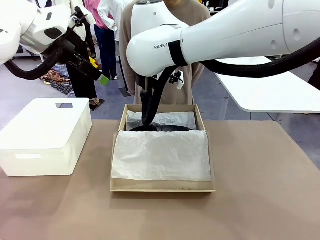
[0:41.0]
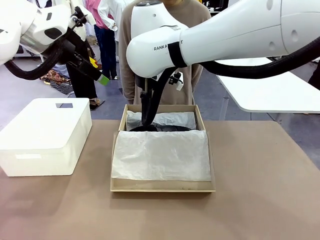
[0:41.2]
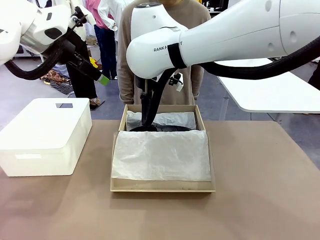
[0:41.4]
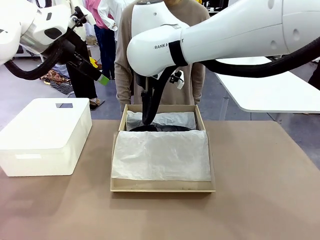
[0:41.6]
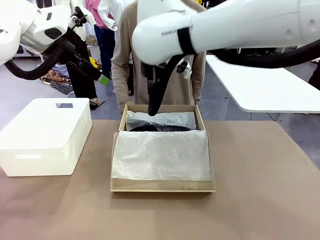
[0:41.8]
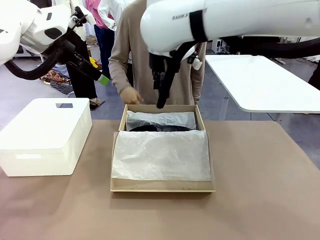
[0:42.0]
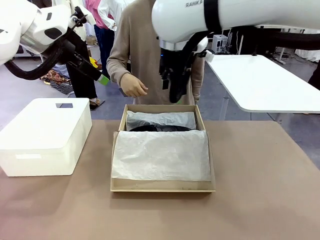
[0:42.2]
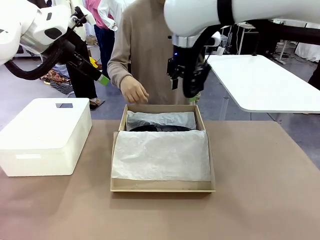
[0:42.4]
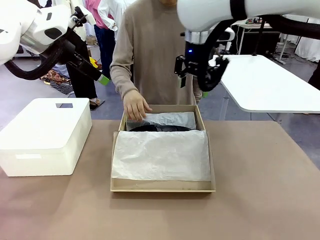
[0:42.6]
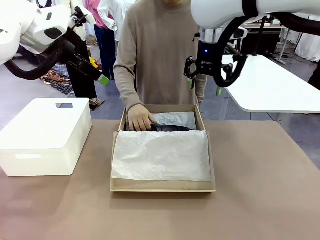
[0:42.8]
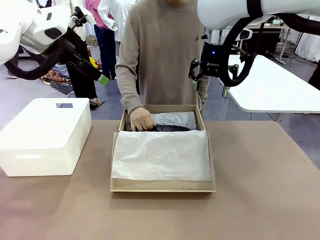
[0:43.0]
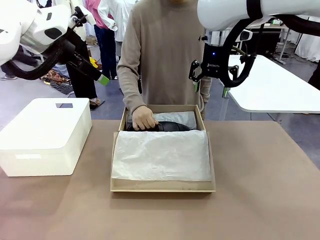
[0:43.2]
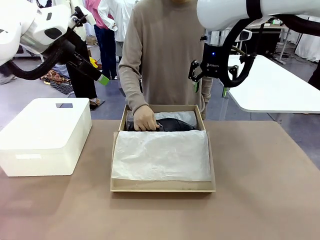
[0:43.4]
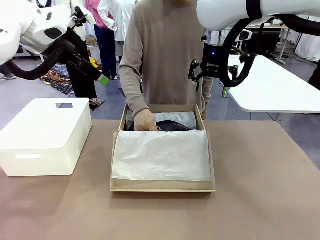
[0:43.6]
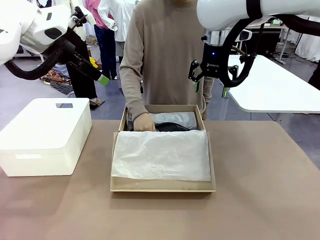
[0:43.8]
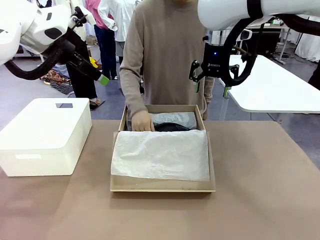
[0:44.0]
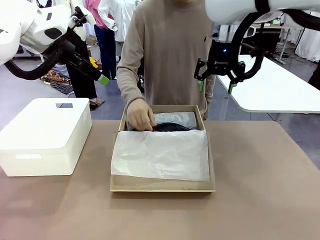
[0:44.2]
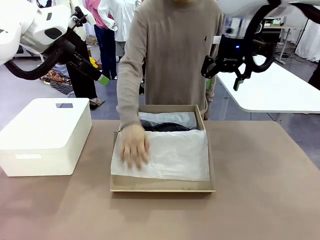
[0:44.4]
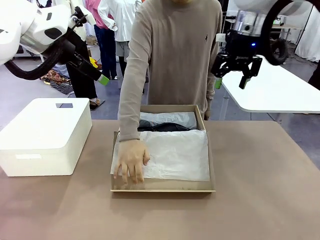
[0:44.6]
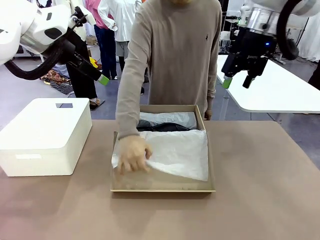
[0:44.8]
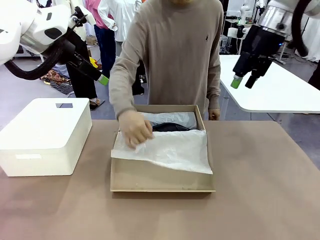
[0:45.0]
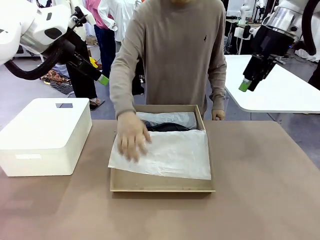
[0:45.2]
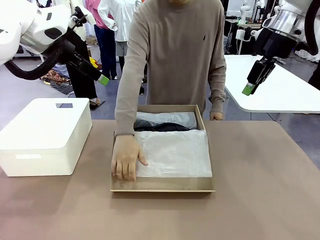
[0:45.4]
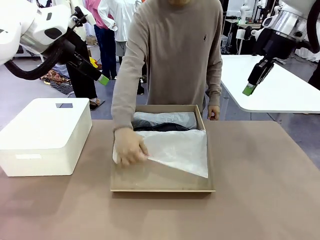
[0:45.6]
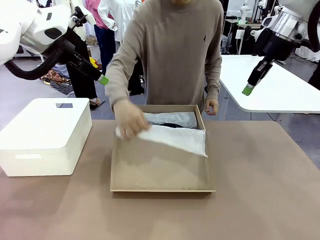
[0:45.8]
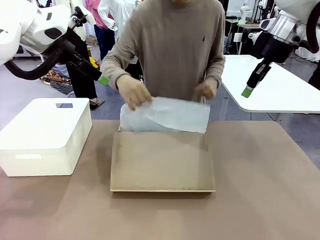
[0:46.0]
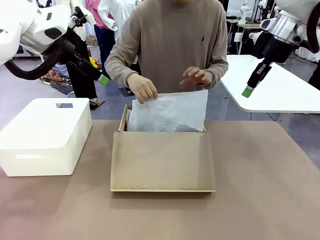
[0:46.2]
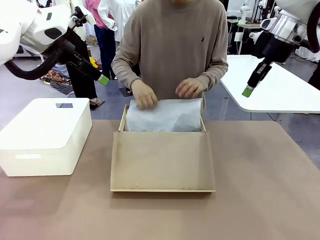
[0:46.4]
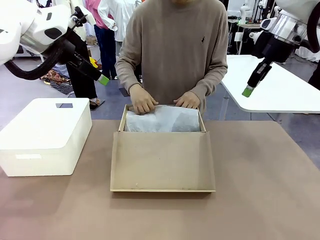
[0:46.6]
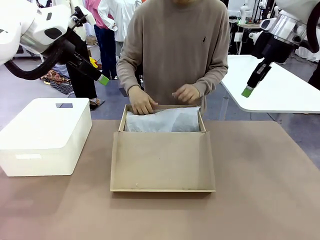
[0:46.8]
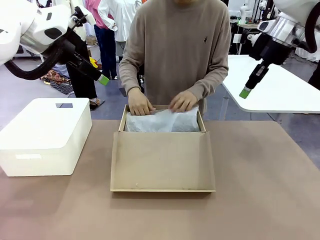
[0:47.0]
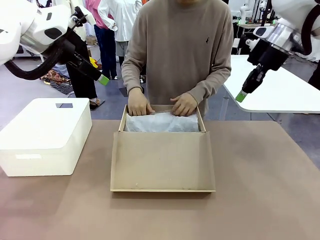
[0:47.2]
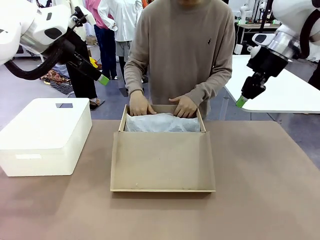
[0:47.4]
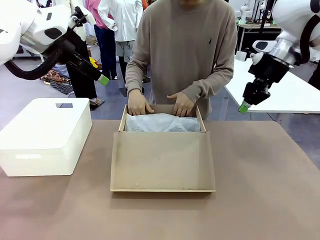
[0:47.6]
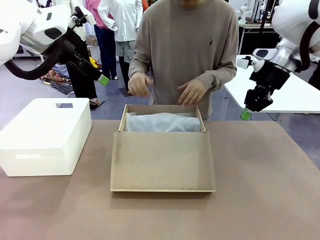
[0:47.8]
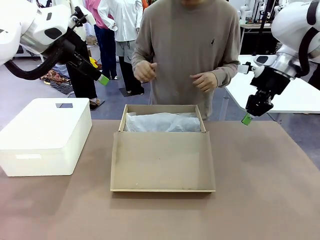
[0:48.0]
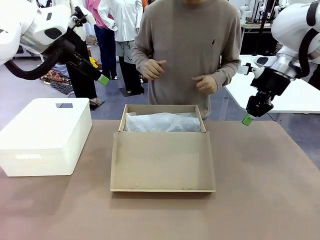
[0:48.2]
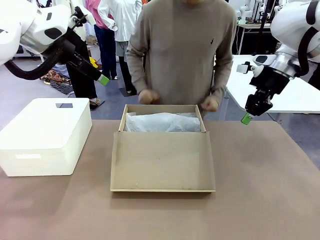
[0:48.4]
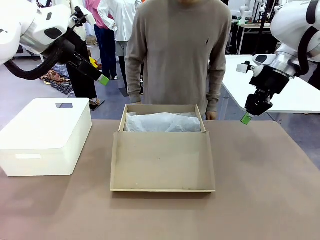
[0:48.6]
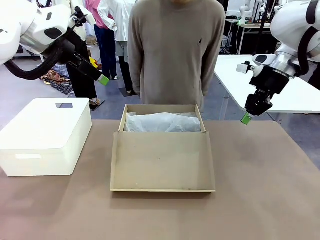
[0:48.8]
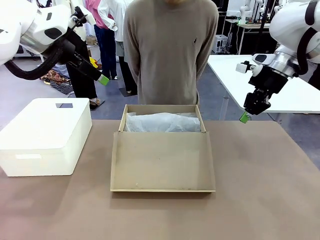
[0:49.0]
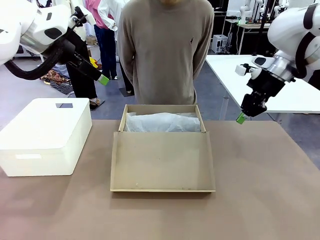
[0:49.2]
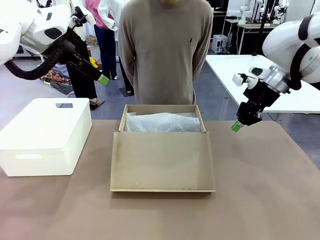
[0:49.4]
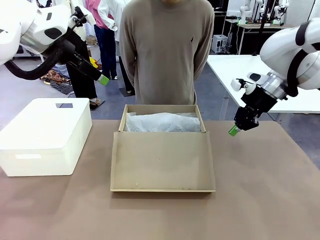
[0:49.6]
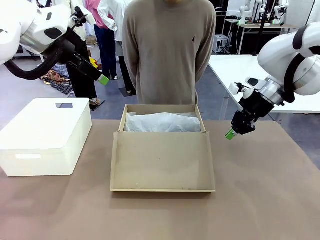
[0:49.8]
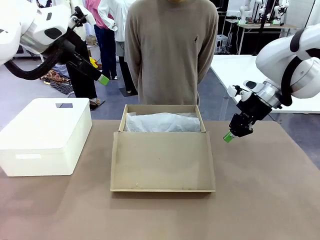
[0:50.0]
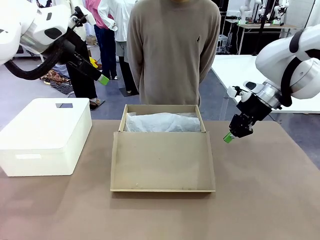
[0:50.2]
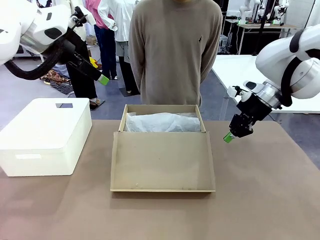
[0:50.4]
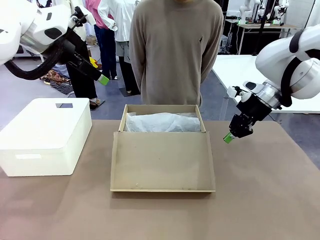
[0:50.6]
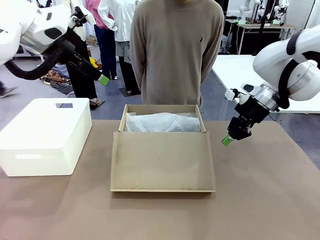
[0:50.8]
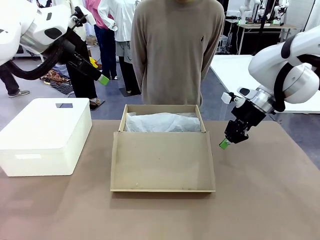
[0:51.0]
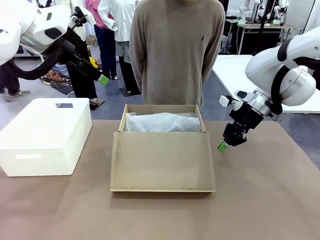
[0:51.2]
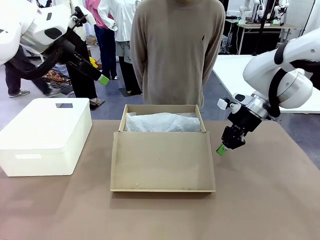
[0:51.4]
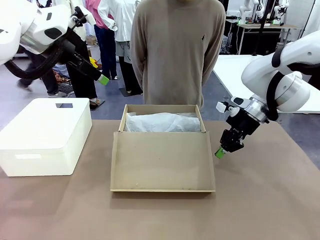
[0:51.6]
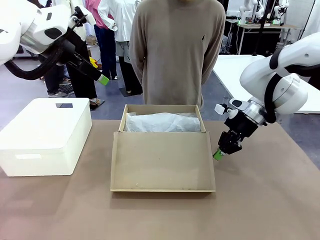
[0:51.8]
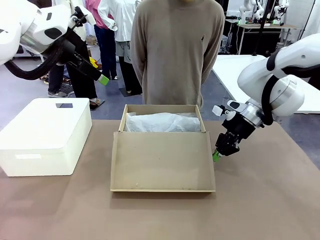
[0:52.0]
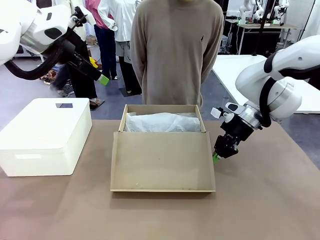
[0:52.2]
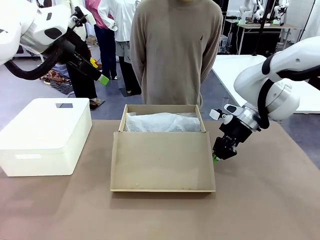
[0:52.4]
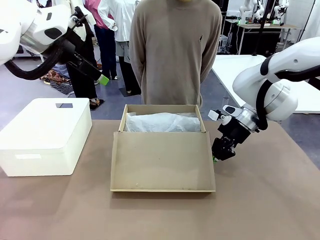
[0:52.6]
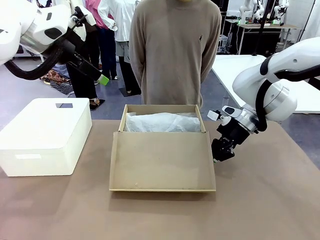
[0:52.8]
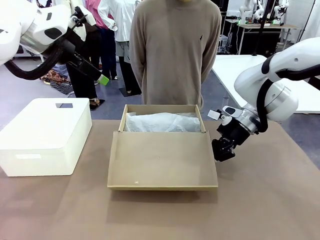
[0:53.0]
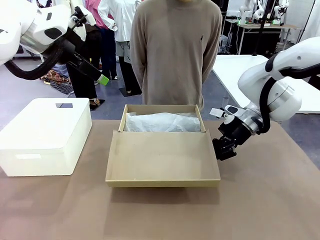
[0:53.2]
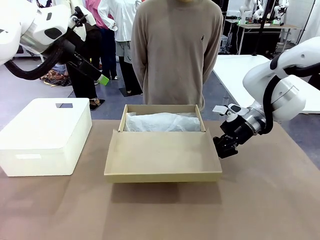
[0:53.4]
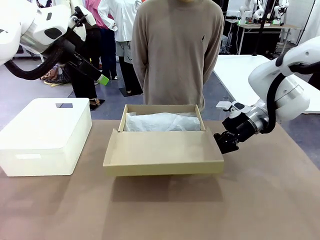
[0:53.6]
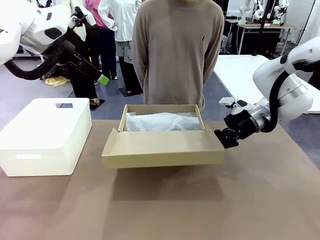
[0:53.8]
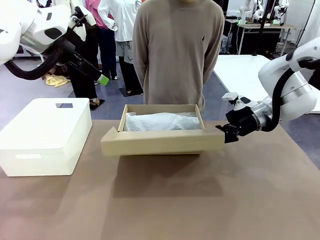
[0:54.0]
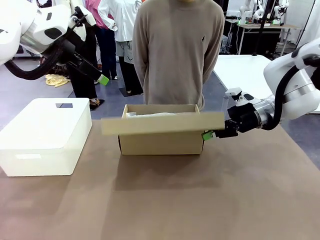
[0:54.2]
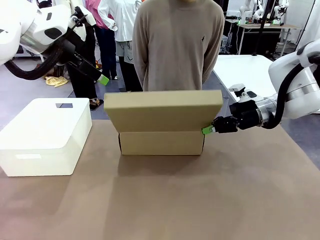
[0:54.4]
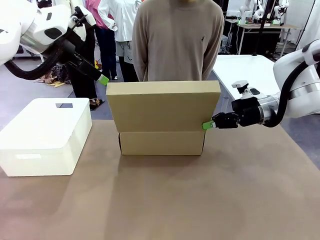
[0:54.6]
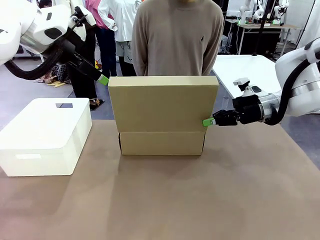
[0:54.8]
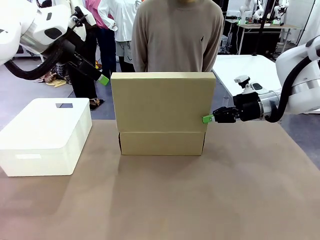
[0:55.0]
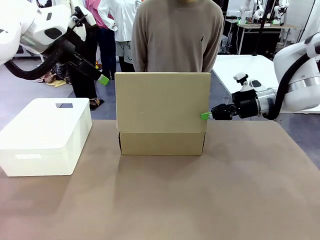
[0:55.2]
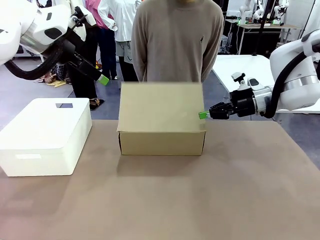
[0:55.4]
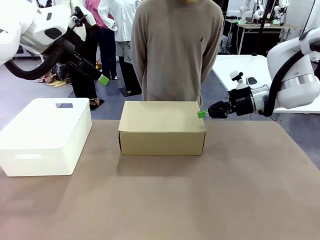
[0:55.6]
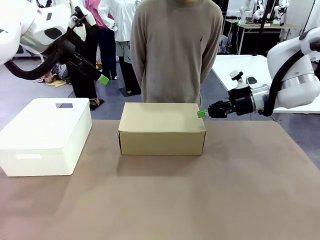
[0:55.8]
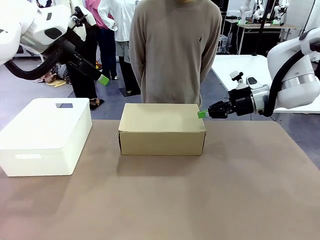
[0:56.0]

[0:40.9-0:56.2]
Task: Pack the shoes into the box.
Robot: Close the Shoes Box.
